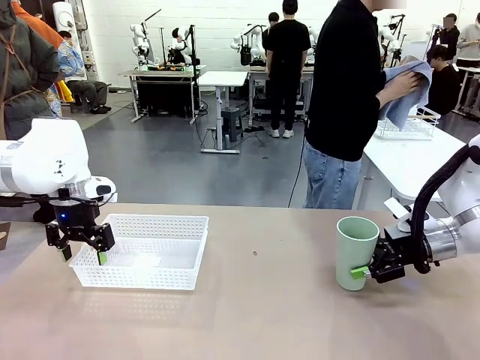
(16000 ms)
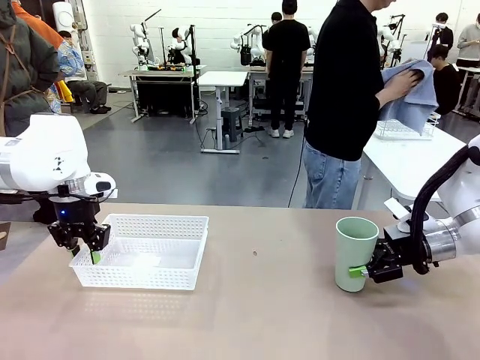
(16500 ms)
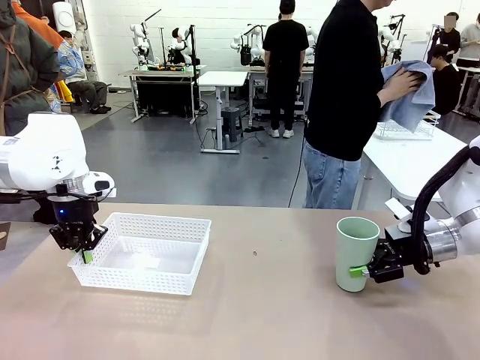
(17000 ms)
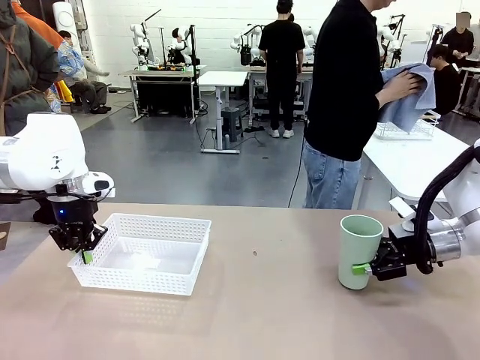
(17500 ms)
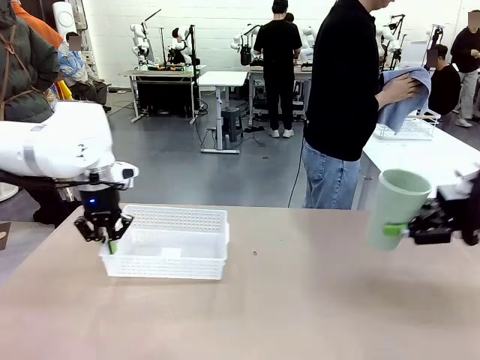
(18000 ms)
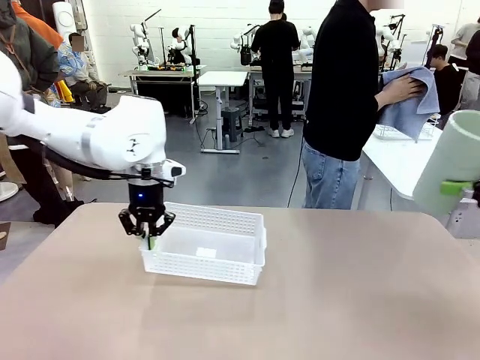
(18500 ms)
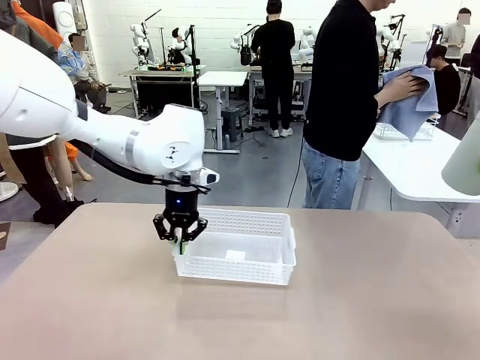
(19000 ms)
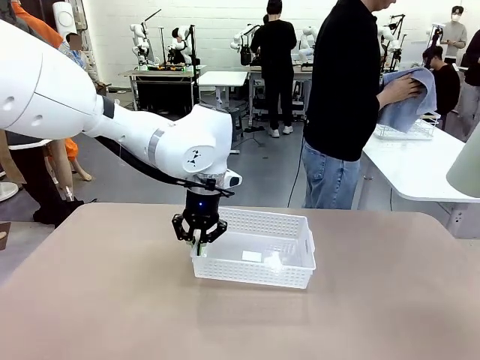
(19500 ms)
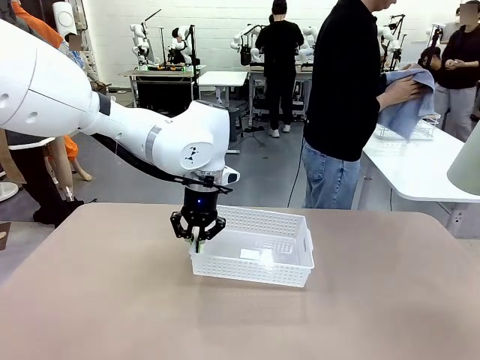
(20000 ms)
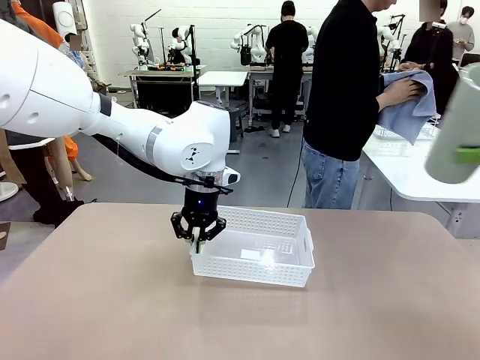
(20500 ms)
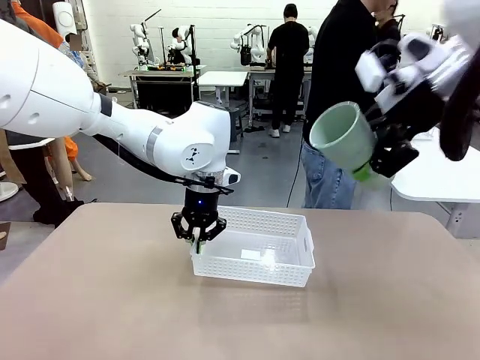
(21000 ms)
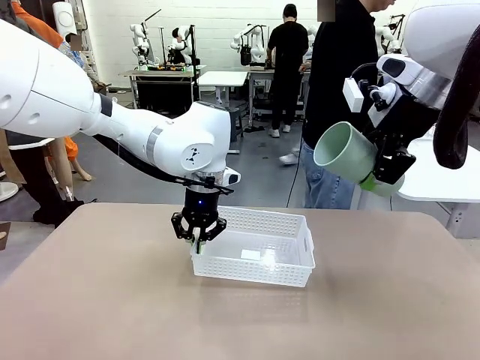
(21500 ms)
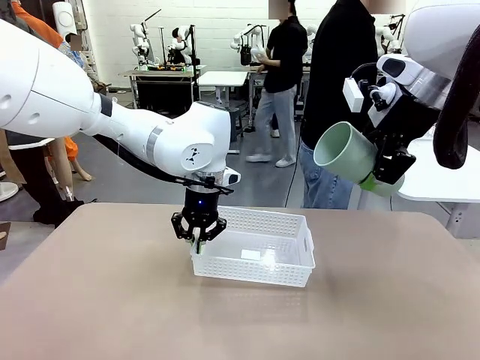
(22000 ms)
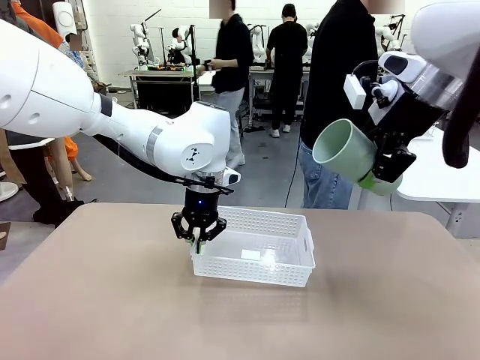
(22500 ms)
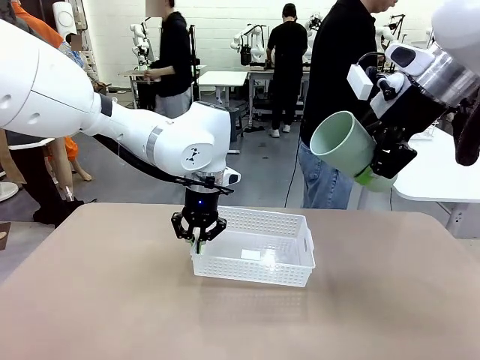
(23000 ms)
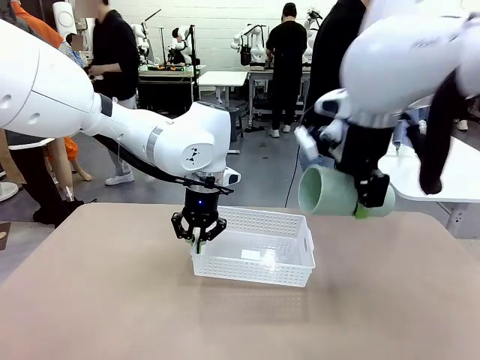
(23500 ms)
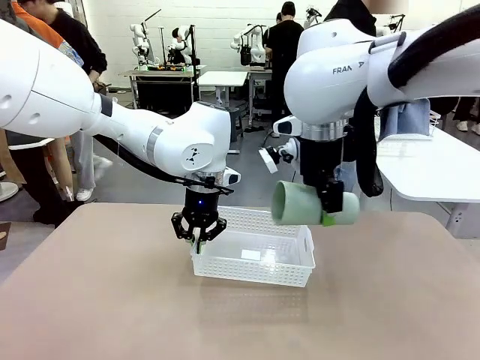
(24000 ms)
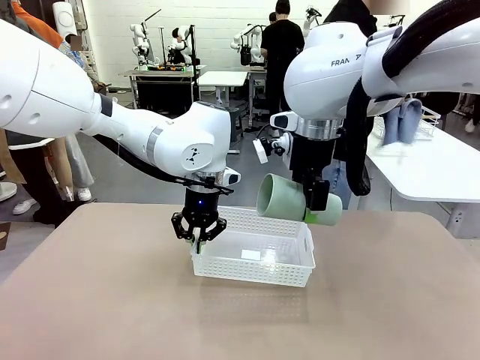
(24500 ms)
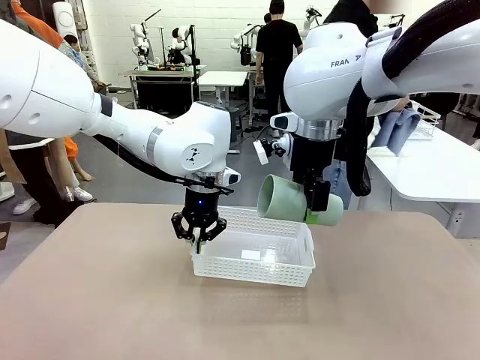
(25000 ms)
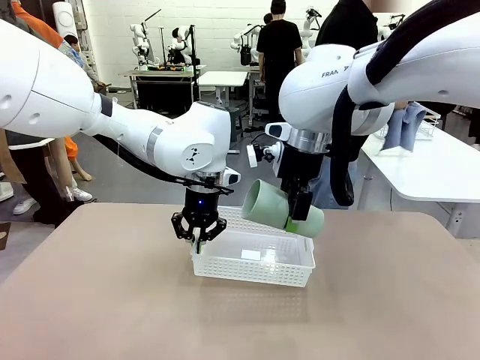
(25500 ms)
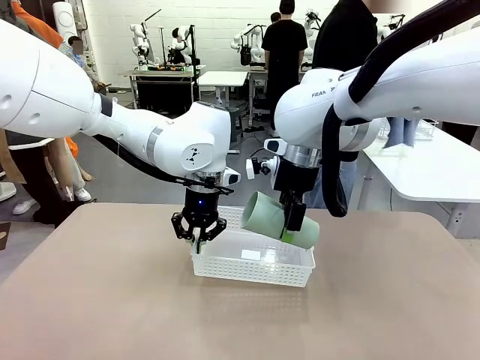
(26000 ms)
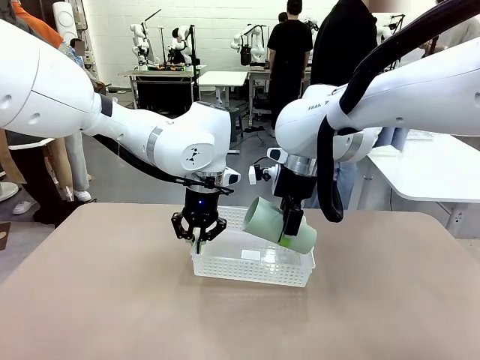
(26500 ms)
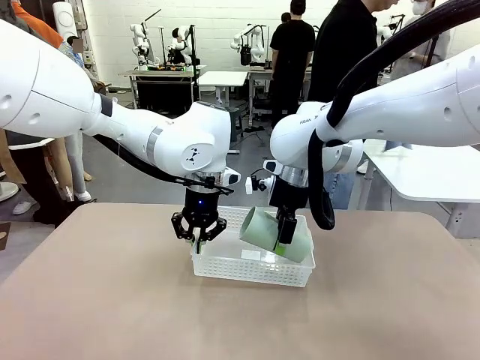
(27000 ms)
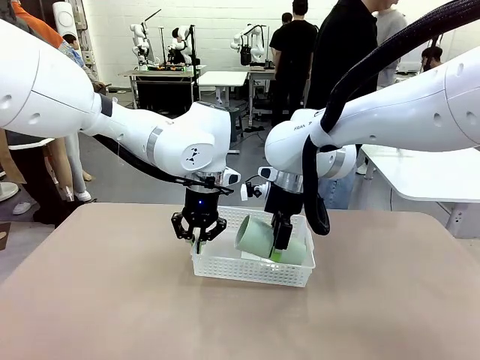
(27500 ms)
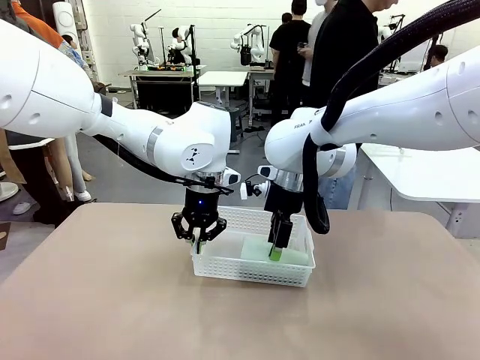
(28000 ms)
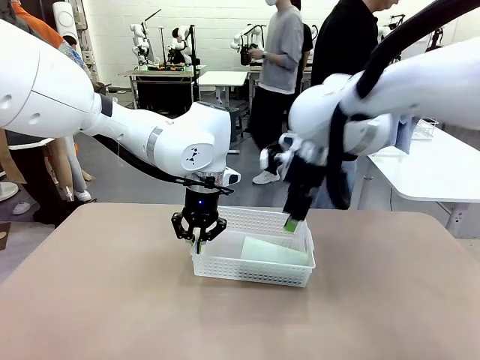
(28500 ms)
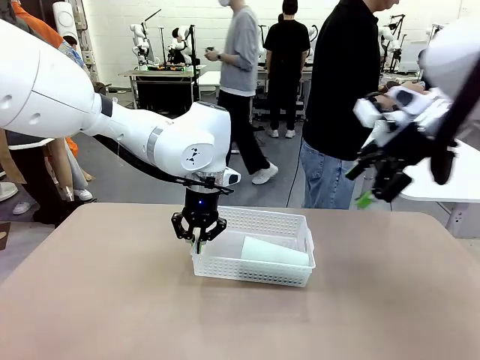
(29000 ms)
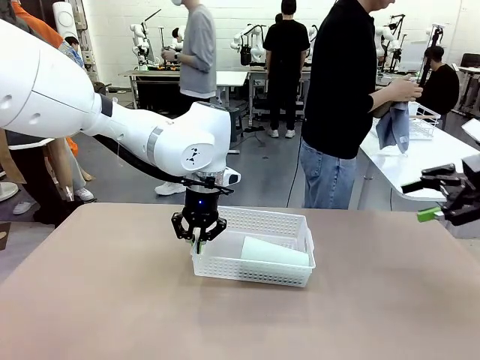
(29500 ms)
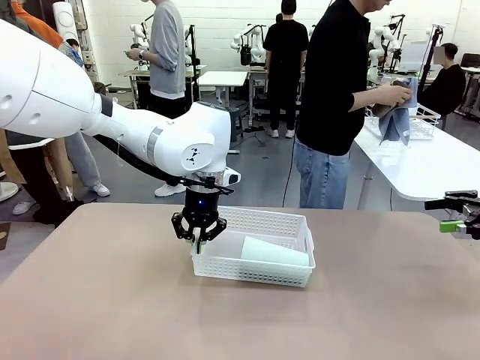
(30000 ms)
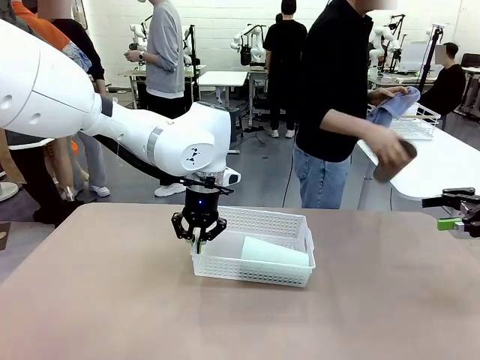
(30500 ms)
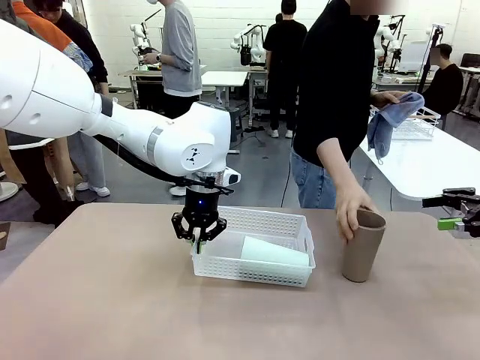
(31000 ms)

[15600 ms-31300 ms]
Task: Clean and organize the cups into the basket.
Robot: Pick up the Organizing basket and move it to the center of the table, then pick up the Reusable plastic cup from the right side of the table and place it inside the Organizing basket.
